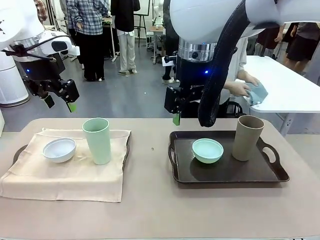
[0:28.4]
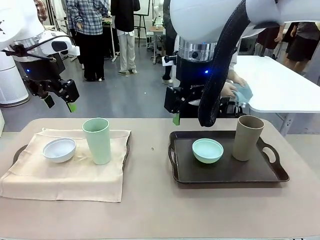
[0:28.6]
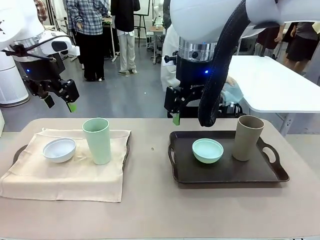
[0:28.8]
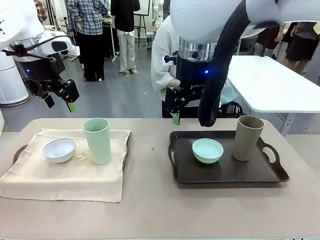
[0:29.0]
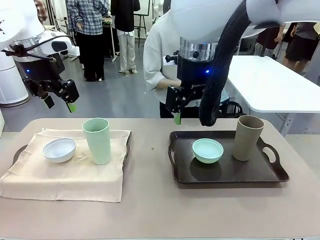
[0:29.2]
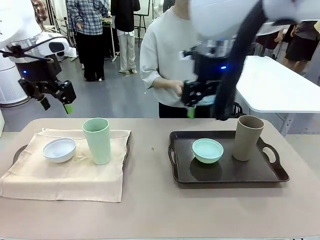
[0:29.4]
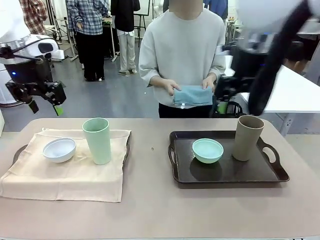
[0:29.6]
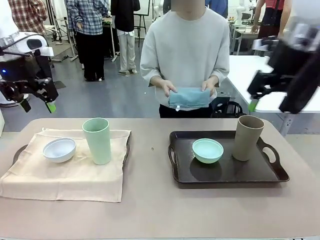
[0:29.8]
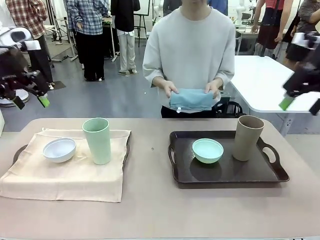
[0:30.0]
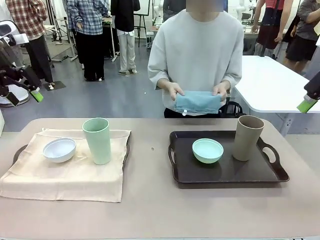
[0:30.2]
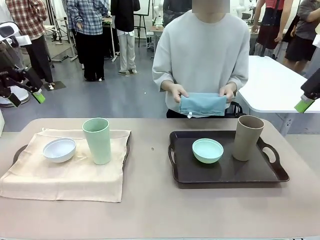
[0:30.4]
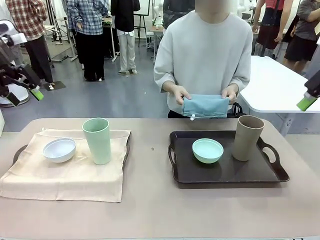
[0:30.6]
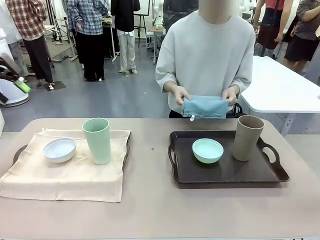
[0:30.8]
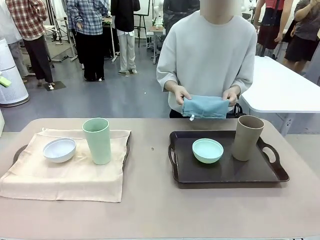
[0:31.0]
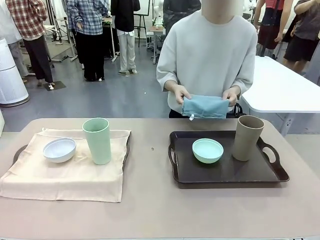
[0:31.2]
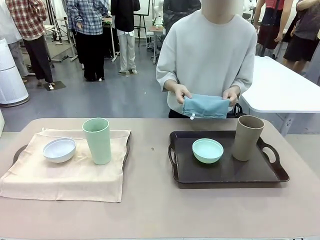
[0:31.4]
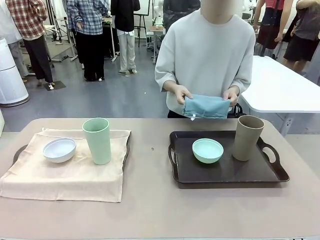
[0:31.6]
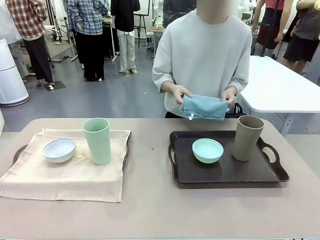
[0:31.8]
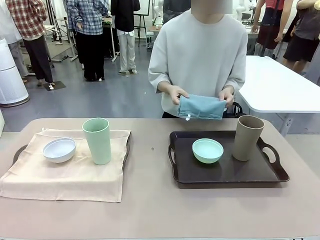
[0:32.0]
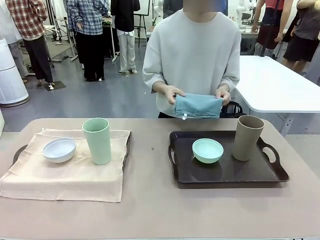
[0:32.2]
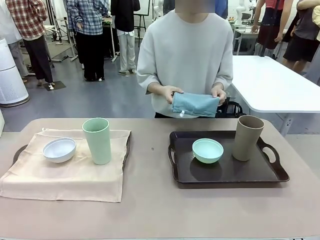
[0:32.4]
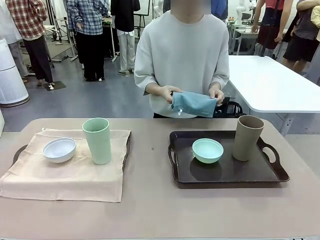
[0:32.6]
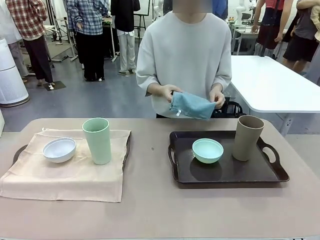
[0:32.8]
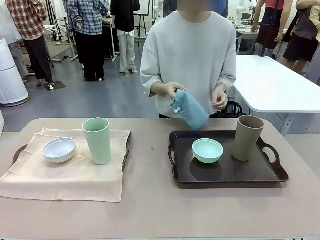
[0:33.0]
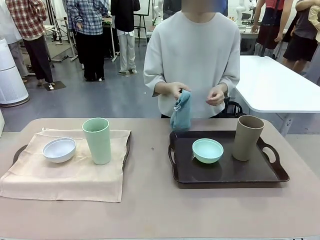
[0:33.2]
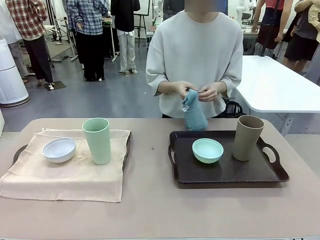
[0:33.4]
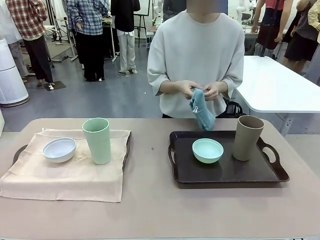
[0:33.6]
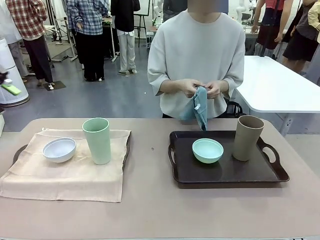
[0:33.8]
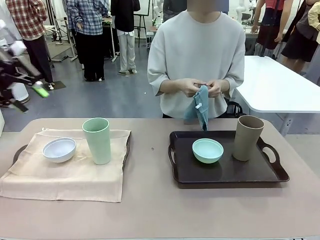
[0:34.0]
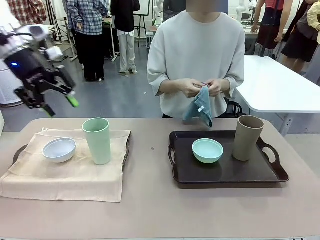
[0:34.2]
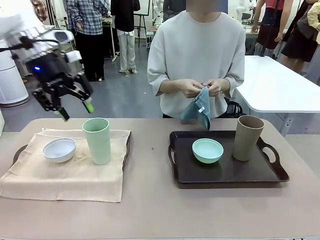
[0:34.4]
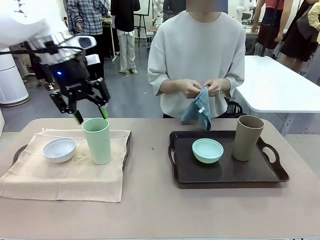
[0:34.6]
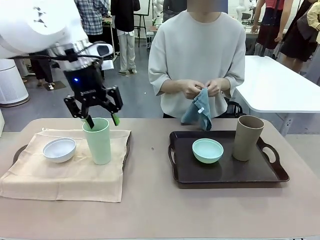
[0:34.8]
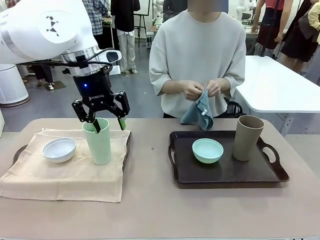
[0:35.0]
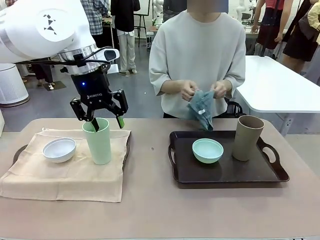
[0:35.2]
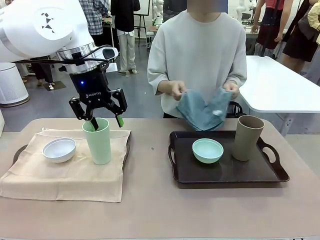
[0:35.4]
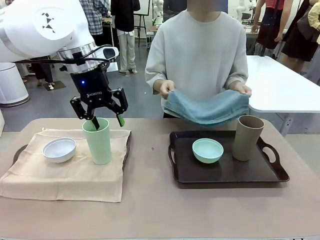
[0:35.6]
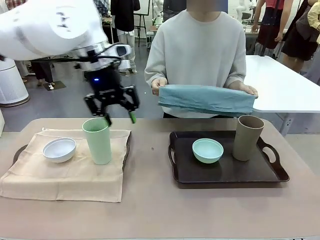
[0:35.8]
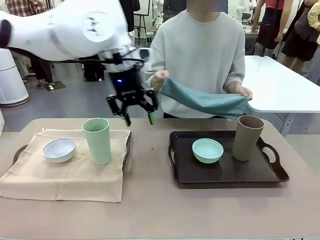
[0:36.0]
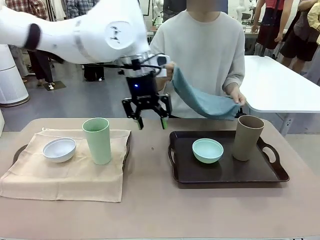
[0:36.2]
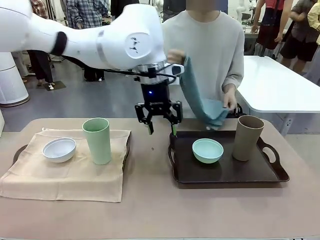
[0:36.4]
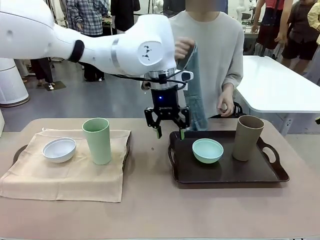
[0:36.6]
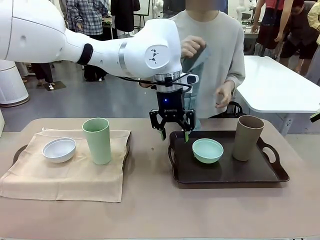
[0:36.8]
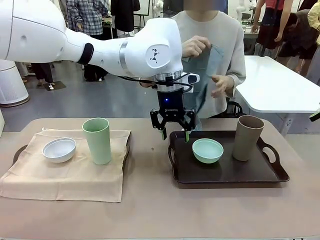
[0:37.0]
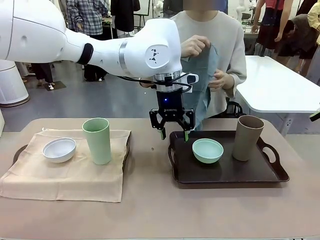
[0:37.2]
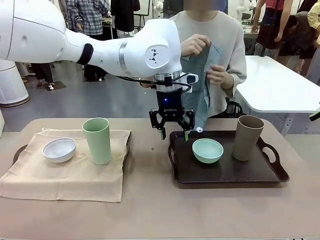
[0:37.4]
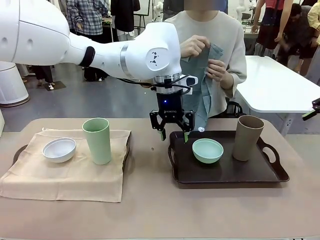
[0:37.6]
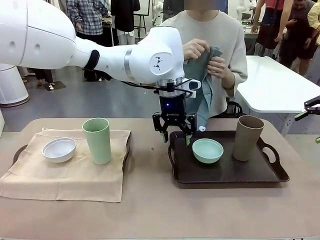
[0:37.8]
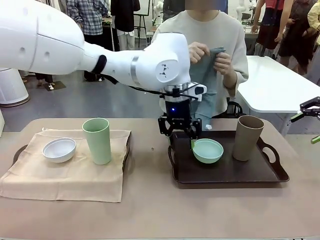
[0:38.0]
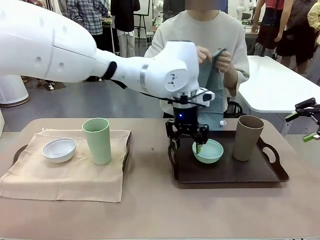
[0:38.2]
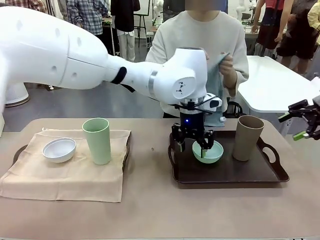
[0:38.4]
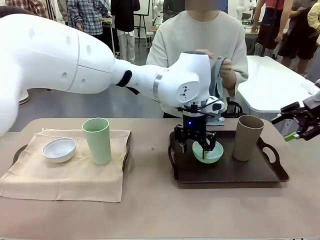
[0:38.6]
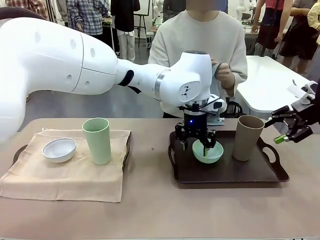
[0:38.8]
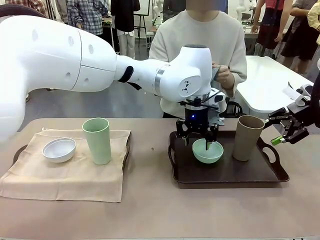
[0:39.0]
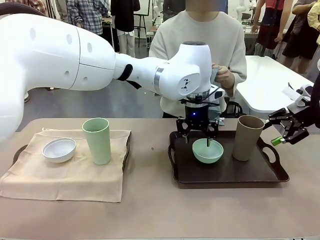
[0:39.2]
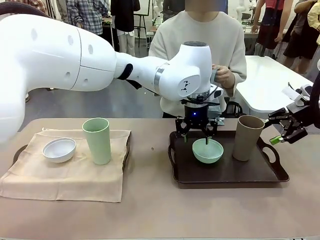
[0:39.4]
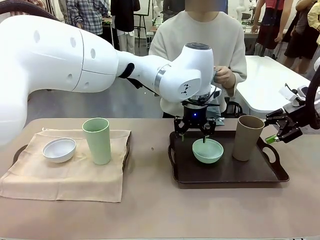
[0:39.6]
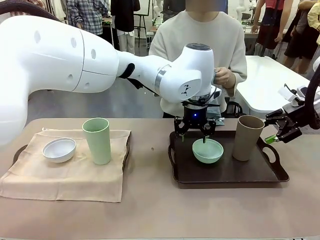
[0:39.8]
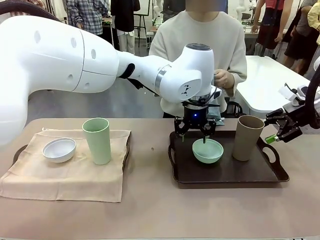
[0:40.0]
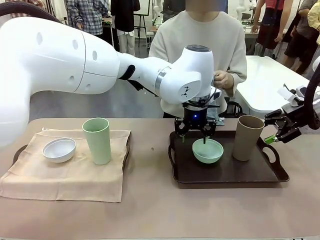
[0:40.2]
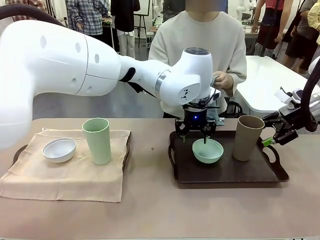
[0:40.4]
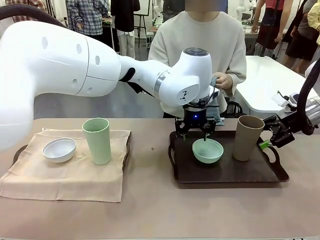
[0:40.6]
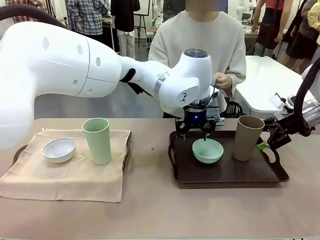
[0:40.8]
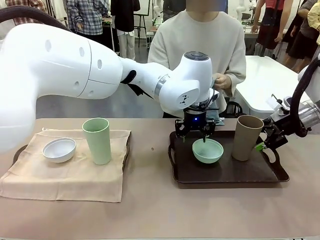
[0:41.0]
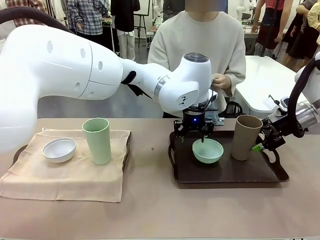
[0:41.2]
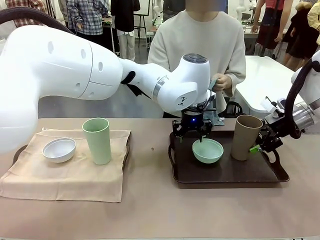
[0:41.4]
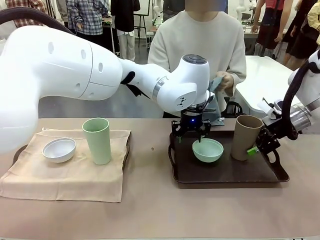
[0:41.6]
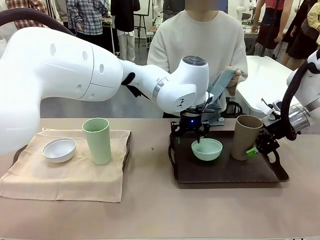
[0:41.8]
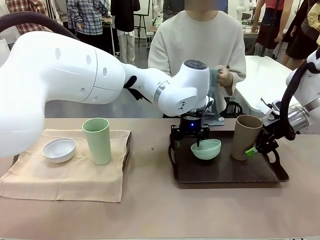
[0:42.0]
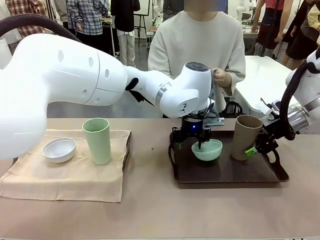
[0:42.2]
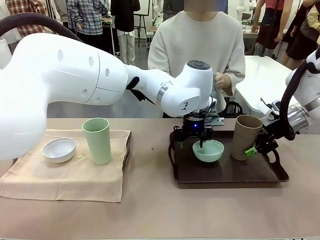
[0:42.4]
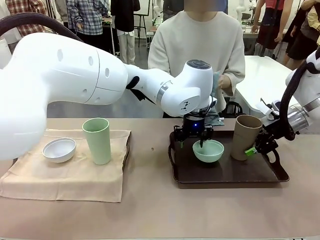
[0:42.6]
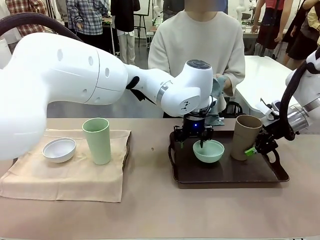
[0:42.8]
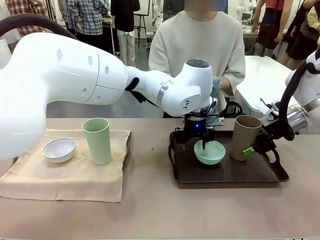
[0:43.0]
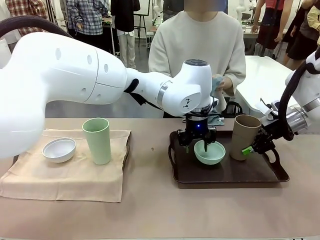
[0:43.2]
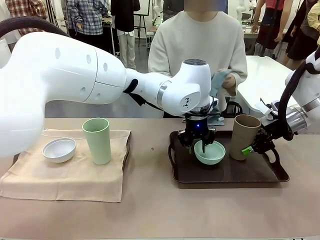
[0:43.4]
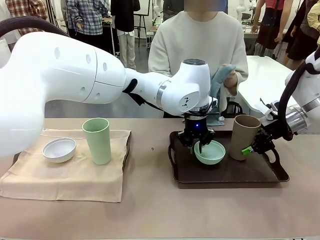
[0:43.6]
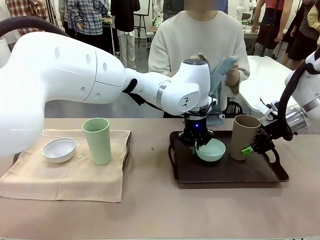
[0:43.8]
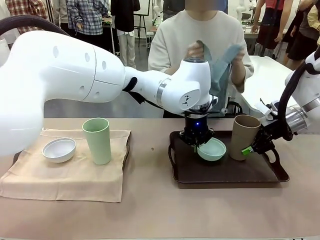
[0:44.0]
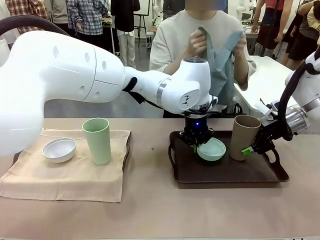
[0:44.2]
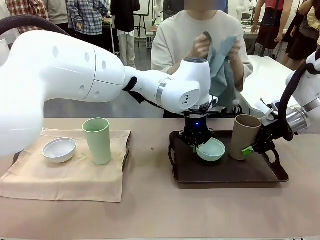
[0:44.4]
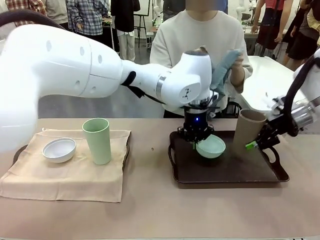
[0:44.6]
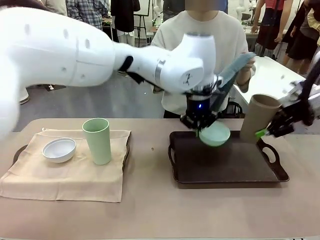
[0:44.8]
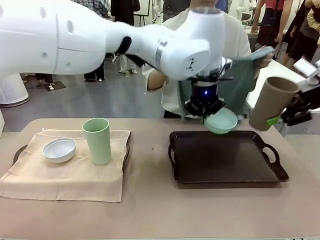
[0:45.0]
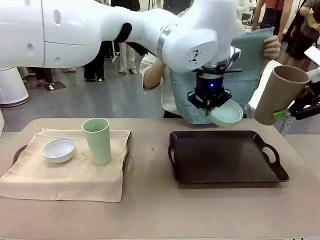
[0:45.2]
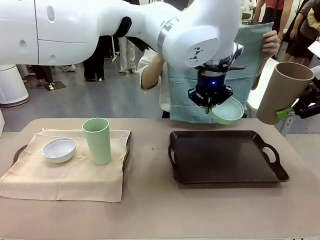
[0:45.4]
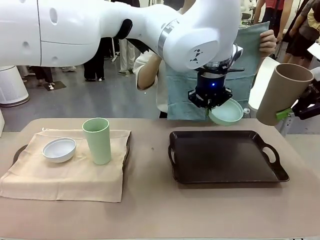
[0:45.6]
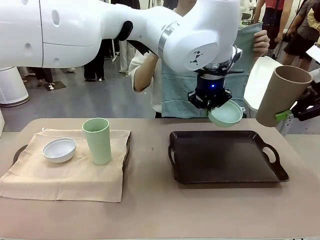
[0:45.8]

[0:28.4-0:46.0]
Robot: Pick up the Picnic Bowl and Reusable plastic cup from the Handle tray in front of the human's position and hold them in the air.
